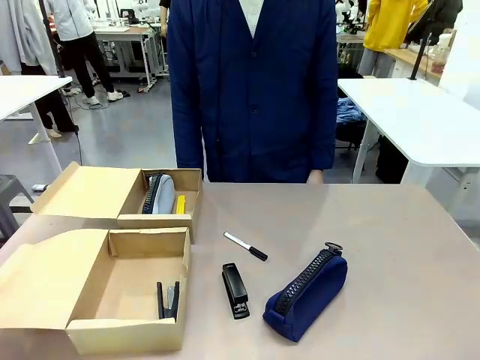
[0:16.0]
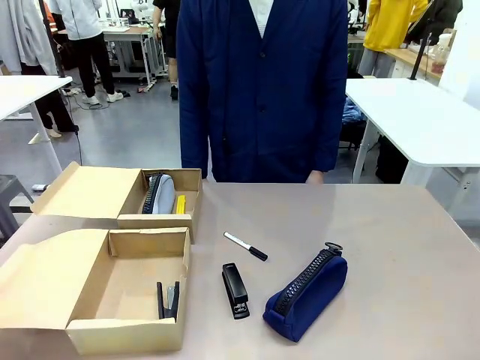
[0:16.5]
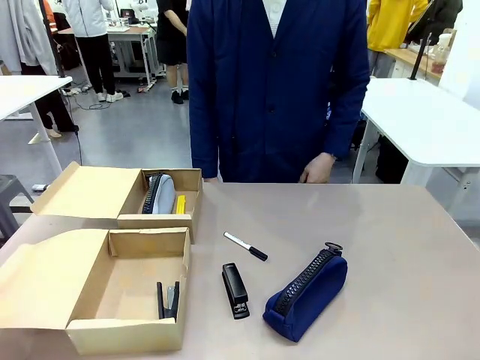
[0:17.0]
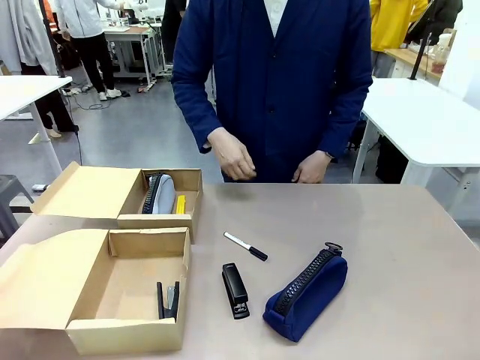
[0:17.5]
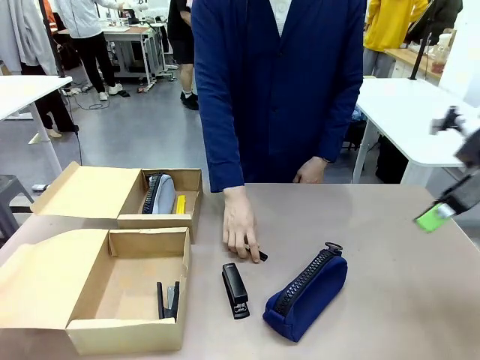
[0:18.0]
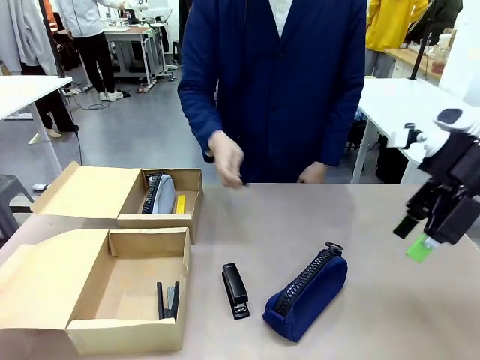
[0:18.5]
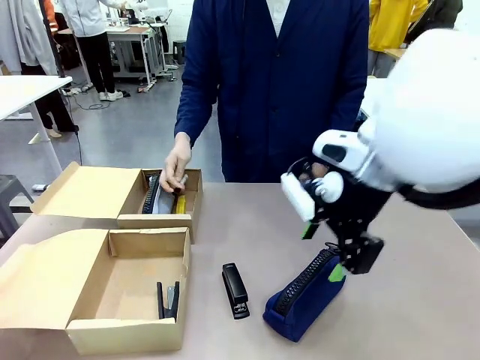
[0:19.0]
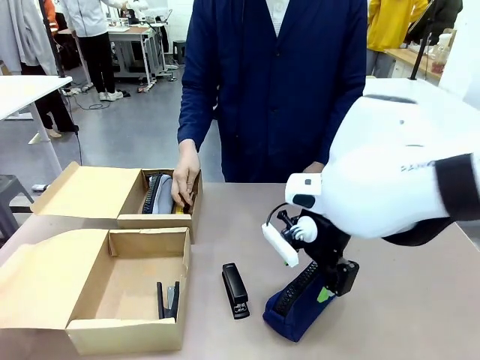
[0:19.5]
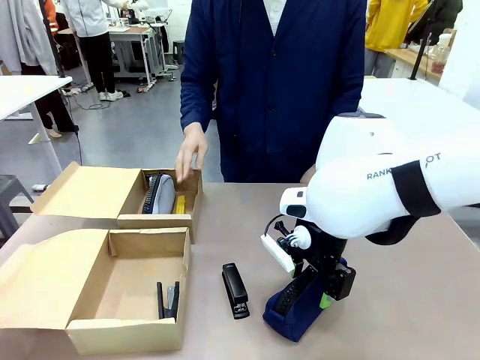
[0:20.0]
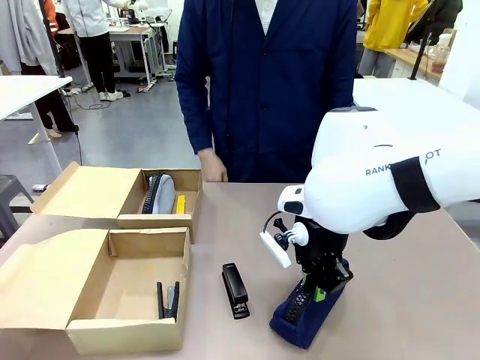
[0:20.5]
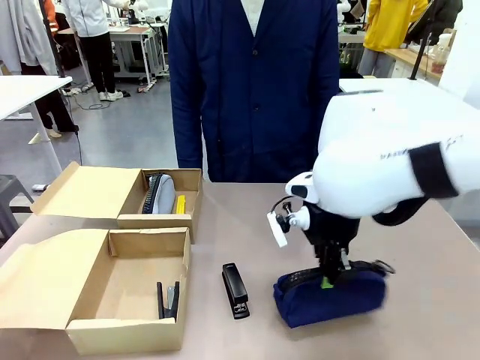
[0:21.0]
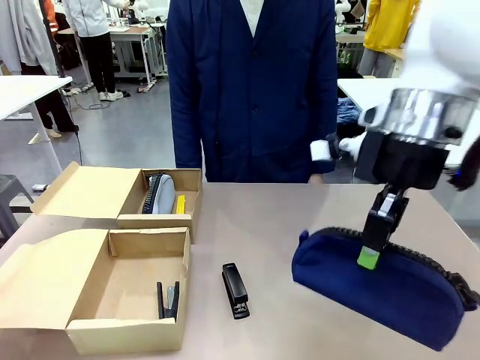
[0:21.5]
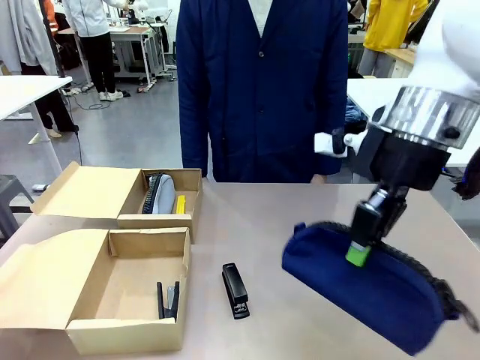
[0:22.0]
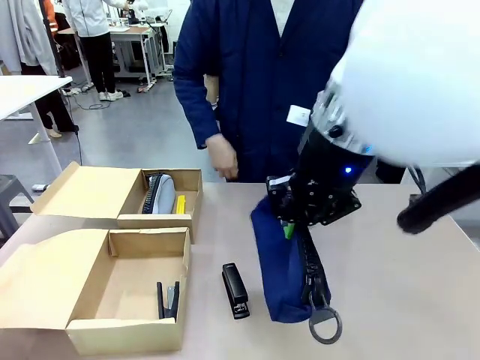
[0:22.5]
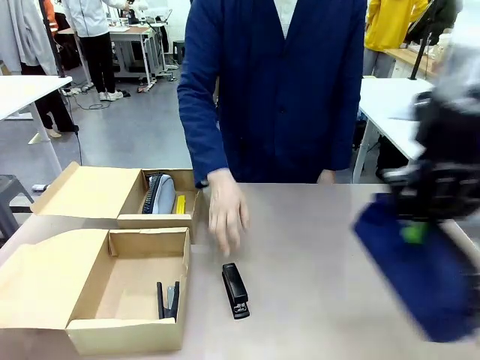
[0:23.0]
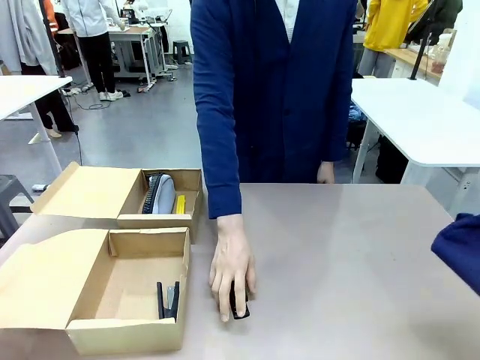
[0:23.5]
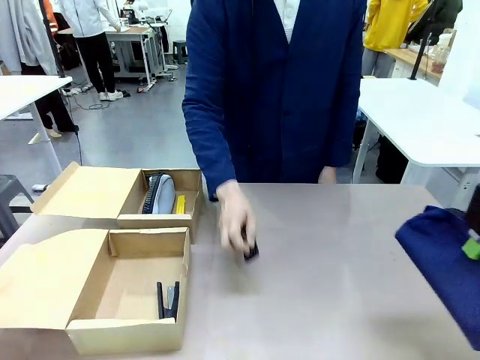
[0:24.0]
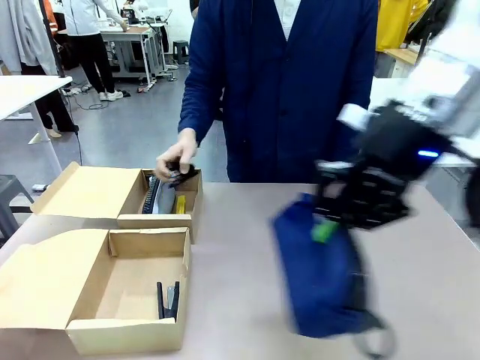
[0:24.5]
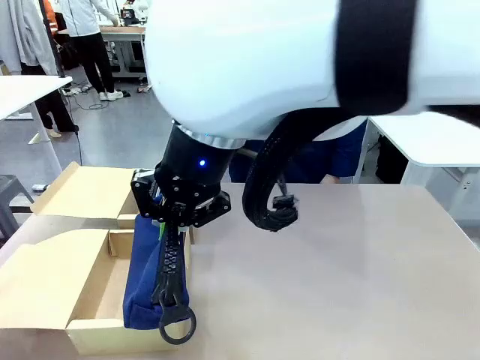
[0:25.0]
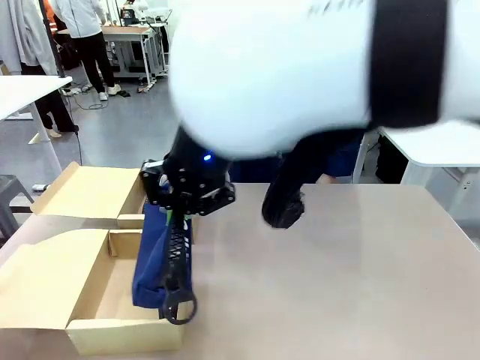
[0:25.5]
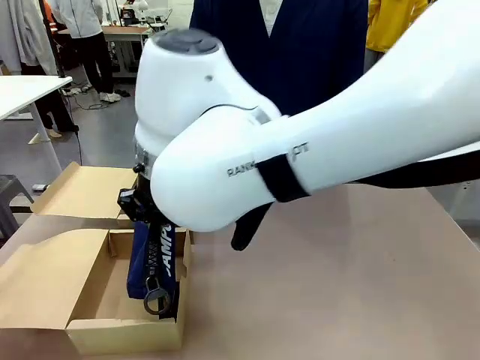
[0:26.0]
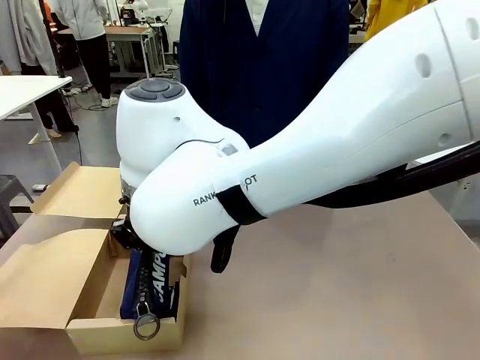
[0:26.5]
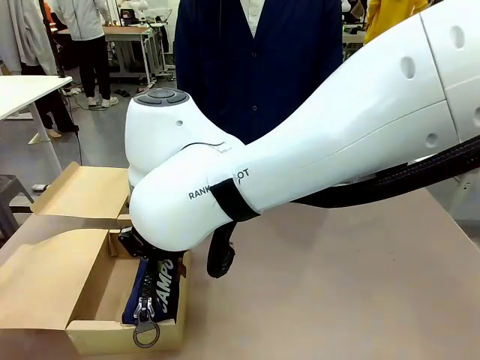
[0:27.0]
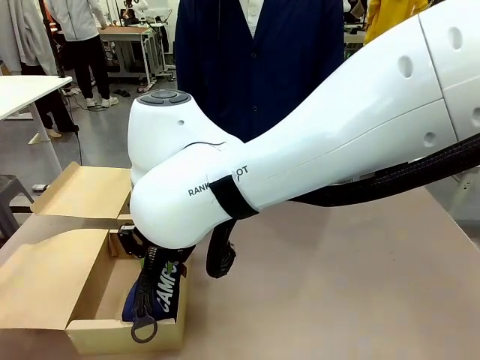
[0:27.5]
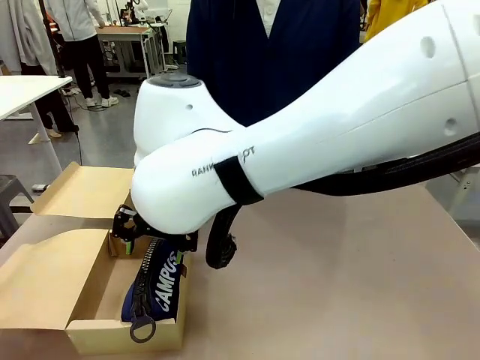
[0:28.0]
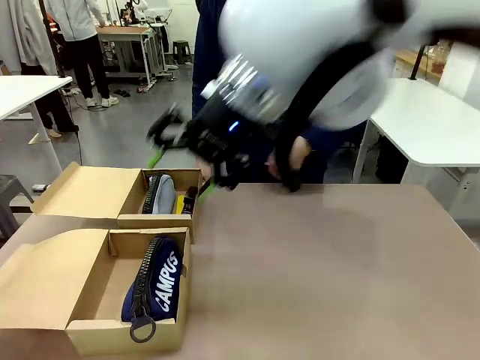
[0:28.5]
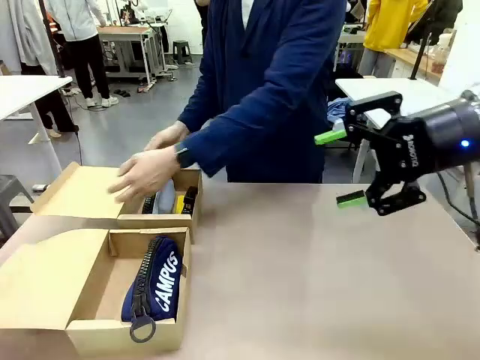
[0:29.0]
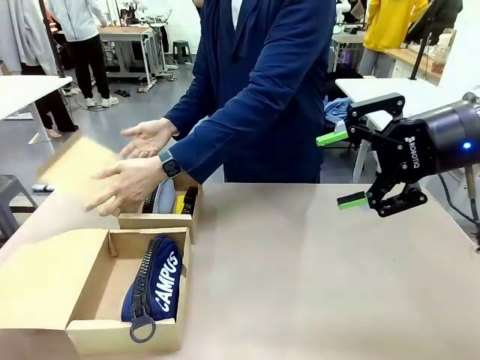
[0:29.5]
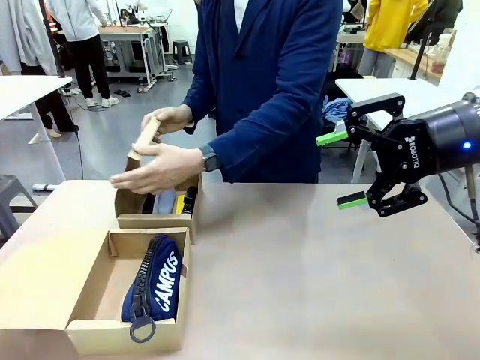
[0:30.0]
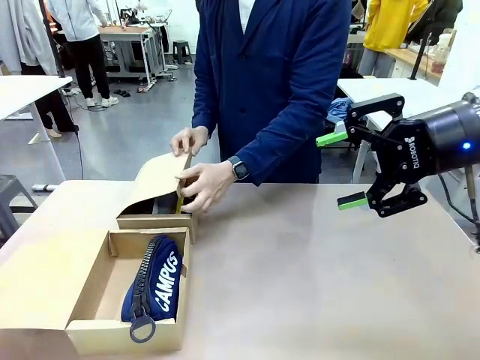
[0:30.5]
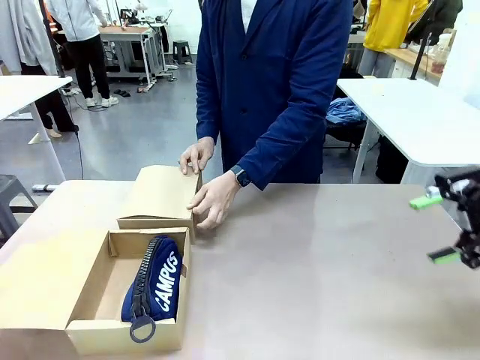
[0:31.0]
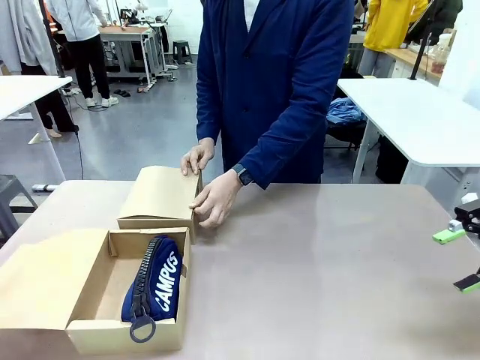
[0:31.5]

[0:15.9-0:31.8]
Task: Place items inside the box.
Robot: Pick up a Pencil pouch or Stapler and place it inside the Mailer Box closest to the robot.

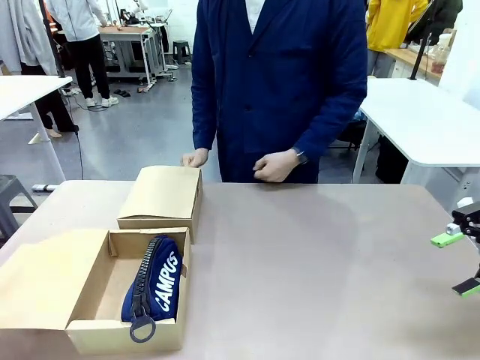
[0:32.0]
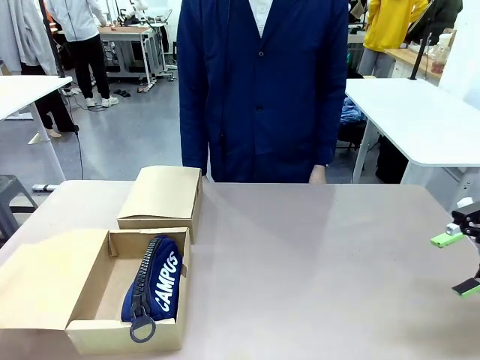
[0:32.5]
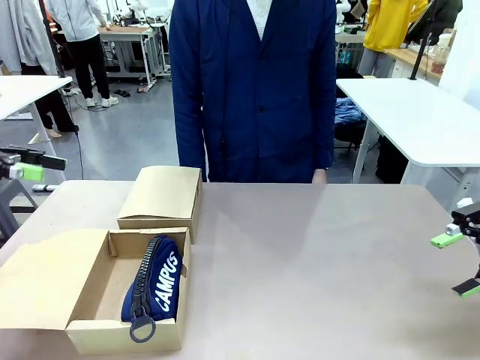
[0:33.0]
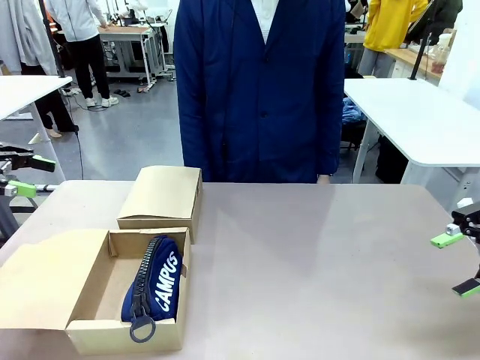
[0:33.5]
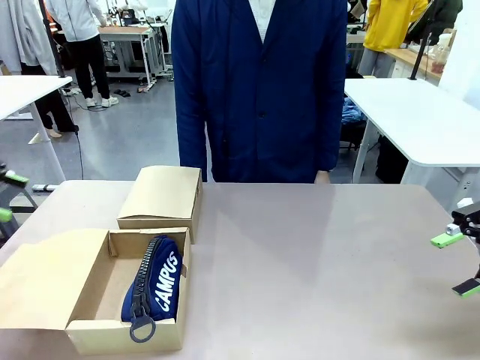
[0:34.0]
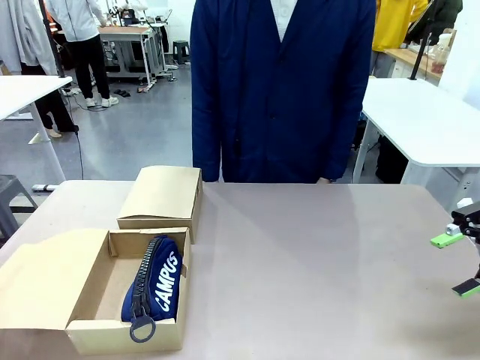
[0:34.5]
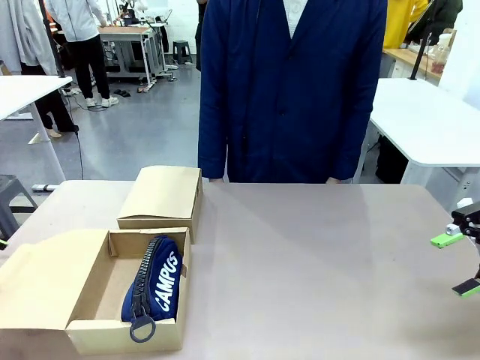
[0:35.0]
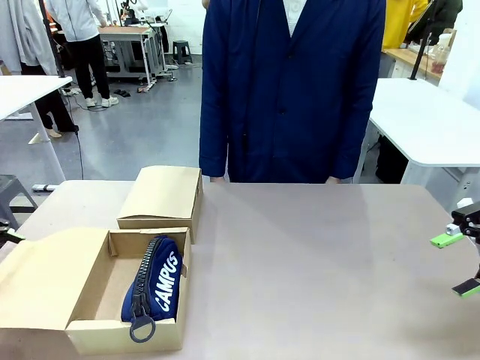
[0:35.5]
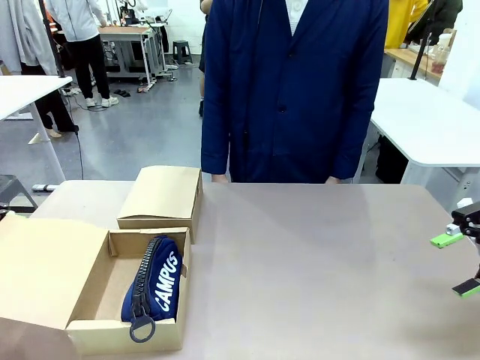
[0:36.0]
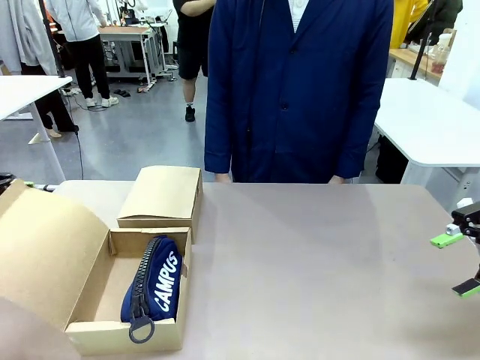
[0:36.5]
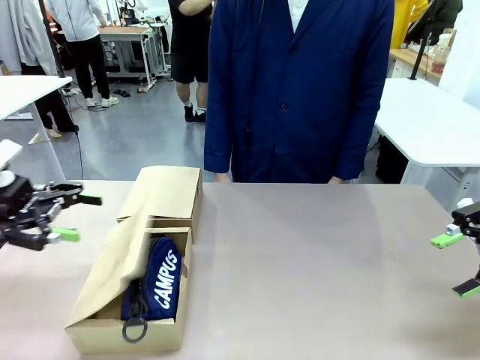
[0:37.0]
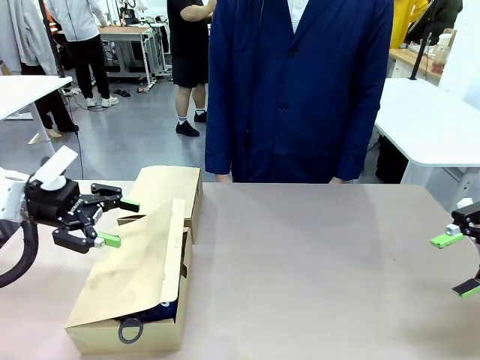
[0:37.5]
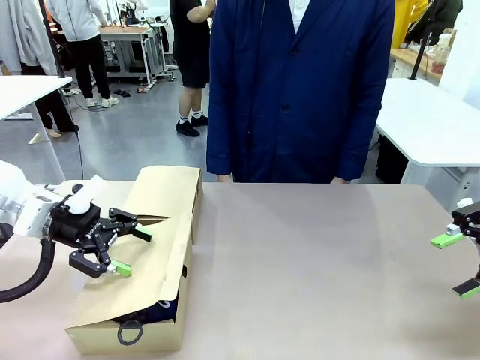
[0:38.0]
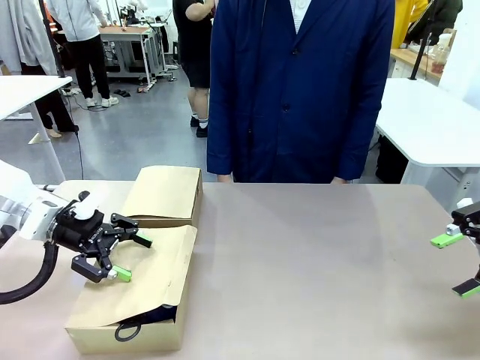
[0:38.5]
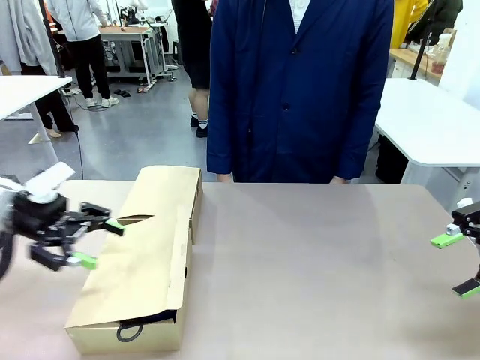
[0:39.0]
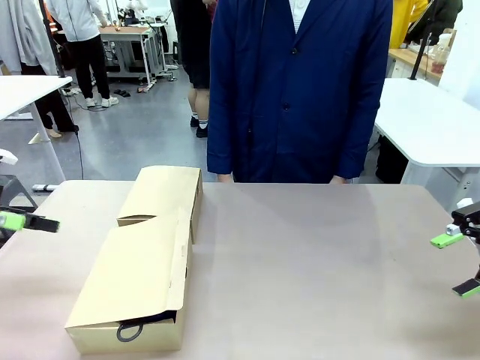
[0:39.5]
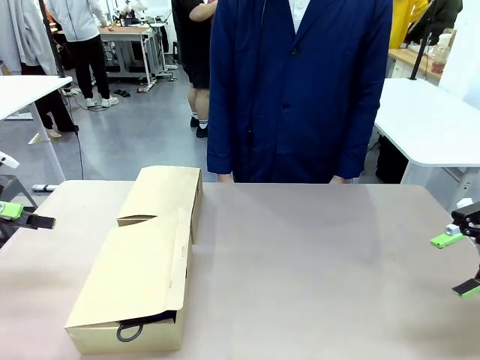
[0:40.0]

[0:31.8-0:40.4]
Robot: Close the lid of the Mailer Box closest to the robot.
Person: Close the lid of the box facing the person.
